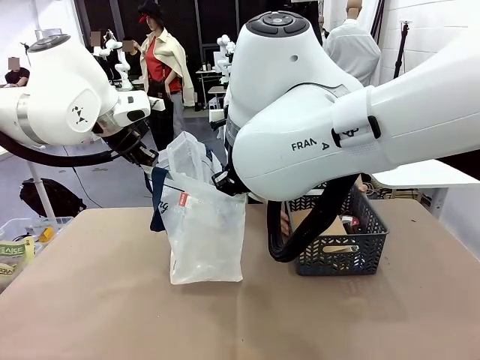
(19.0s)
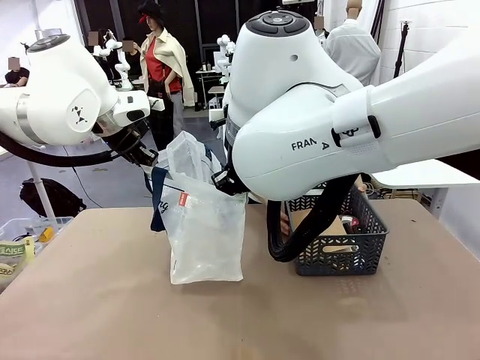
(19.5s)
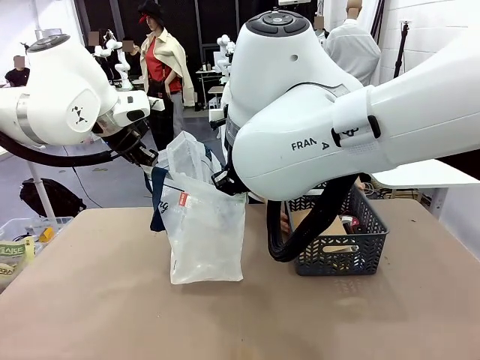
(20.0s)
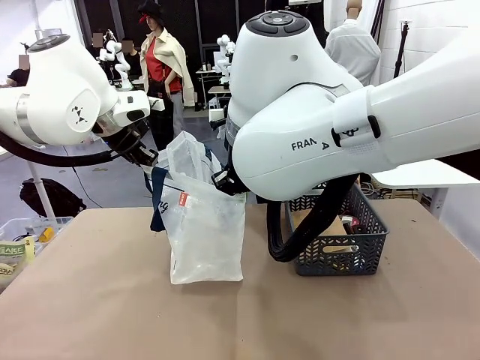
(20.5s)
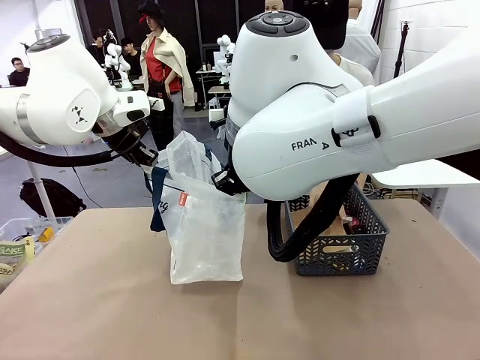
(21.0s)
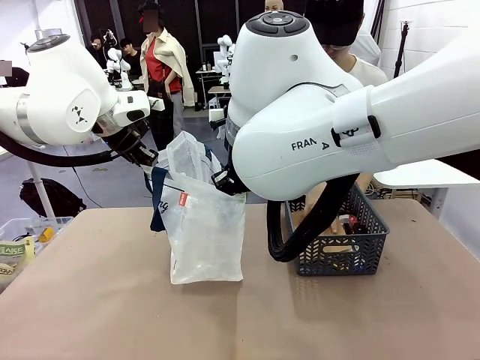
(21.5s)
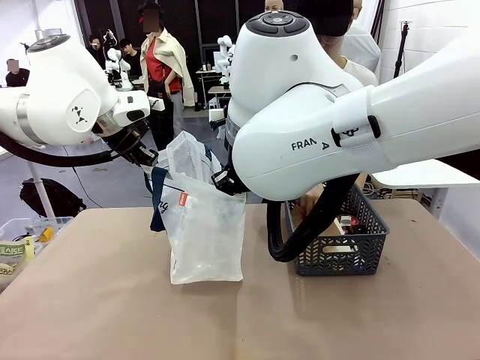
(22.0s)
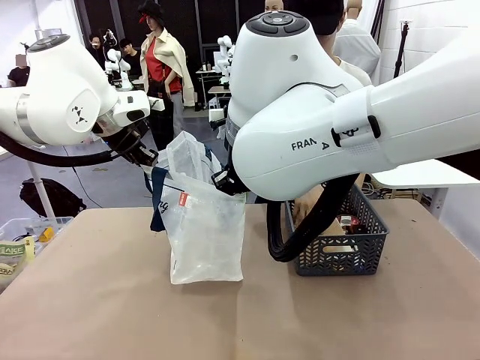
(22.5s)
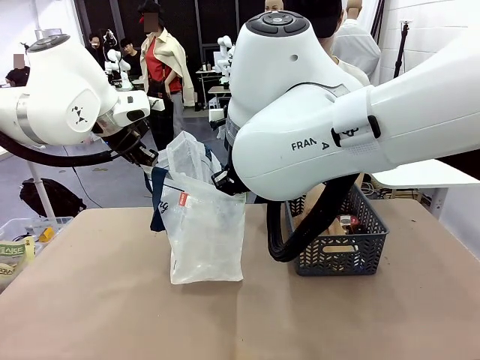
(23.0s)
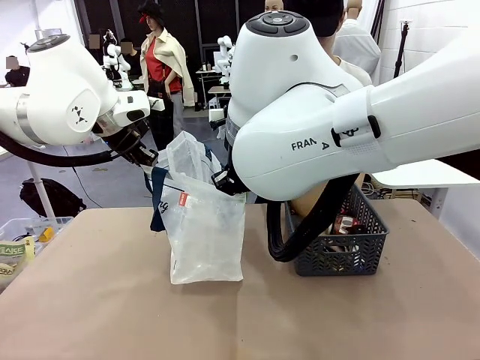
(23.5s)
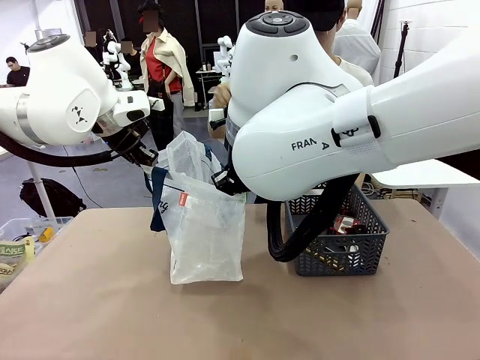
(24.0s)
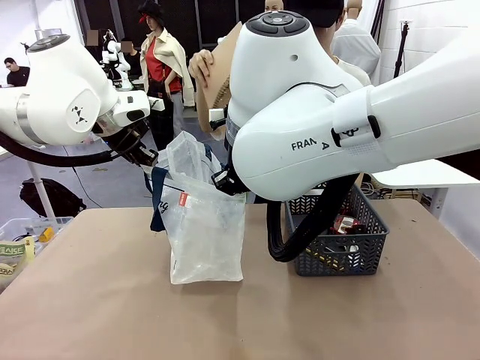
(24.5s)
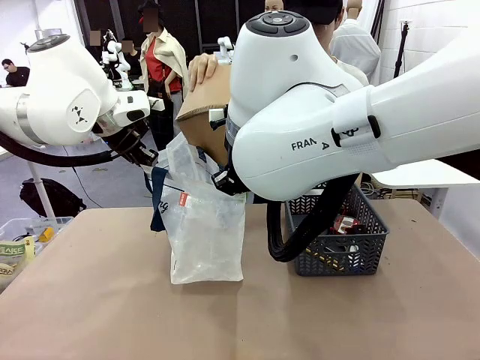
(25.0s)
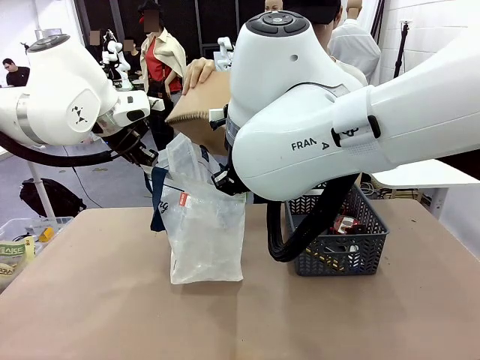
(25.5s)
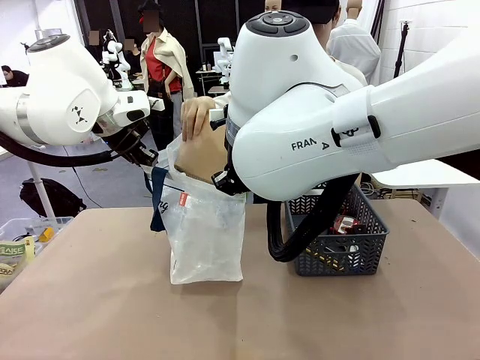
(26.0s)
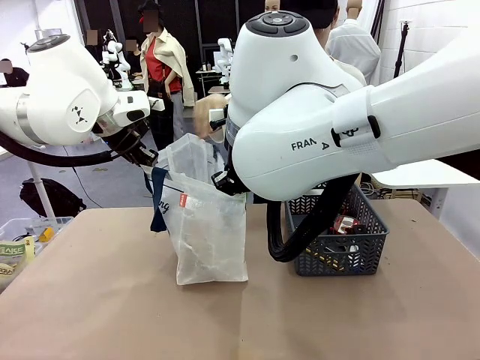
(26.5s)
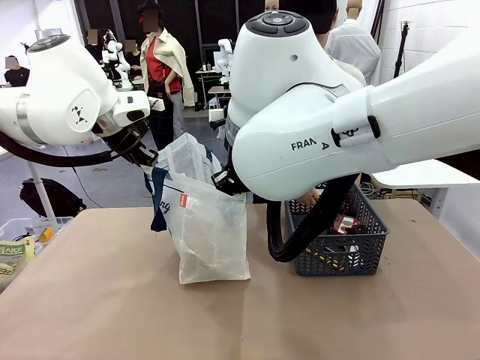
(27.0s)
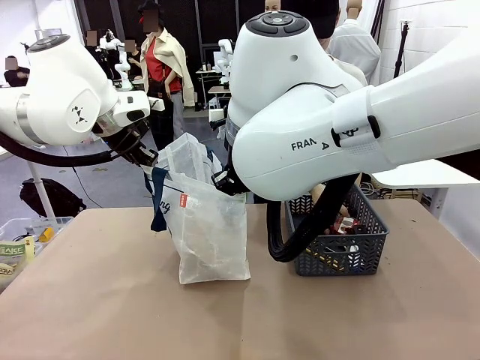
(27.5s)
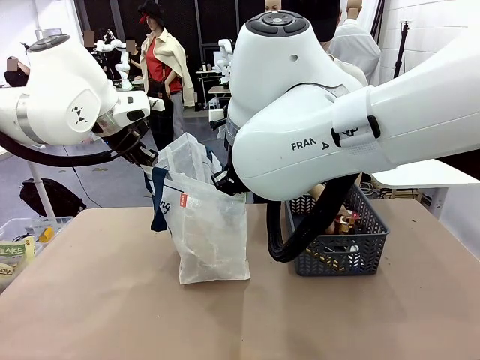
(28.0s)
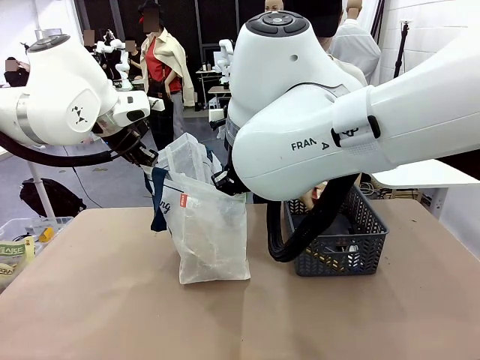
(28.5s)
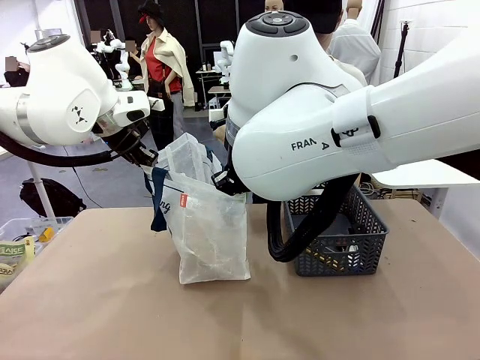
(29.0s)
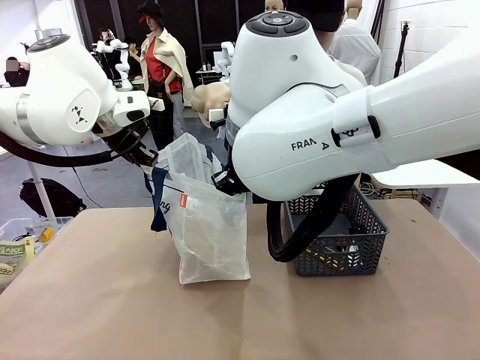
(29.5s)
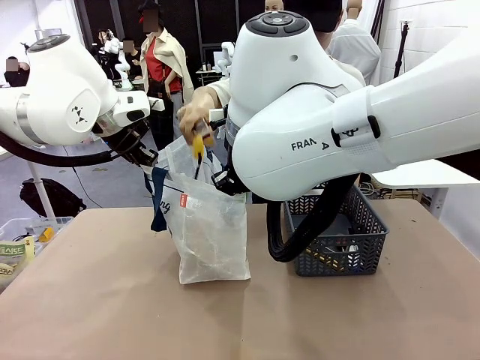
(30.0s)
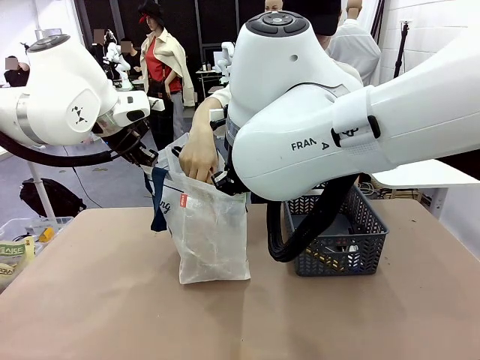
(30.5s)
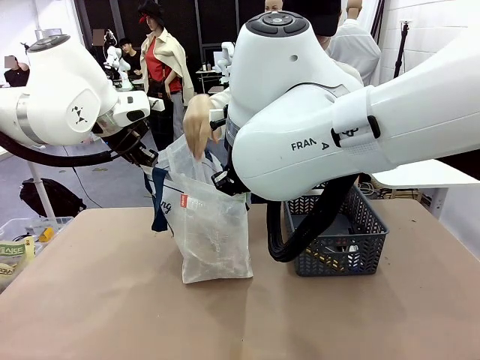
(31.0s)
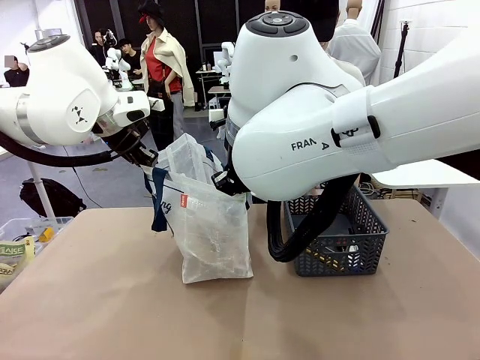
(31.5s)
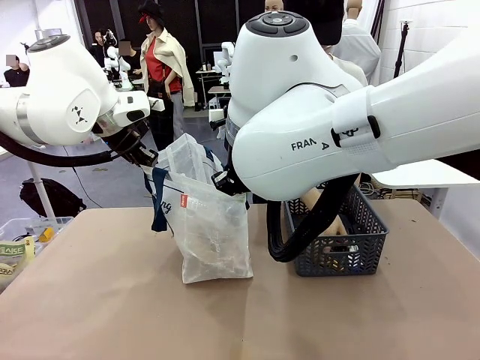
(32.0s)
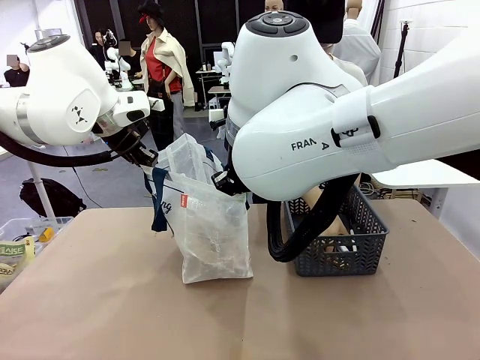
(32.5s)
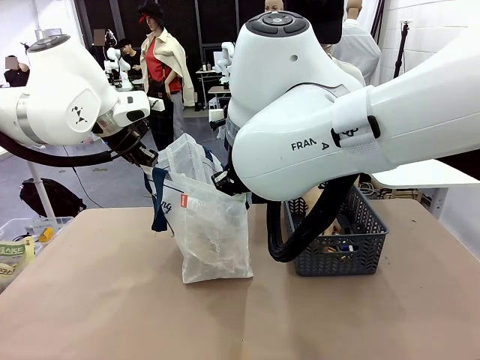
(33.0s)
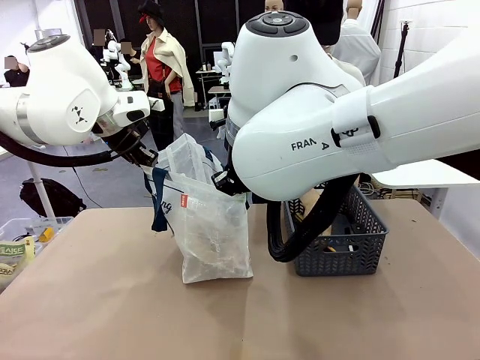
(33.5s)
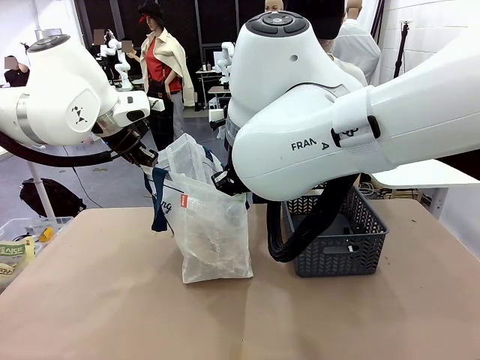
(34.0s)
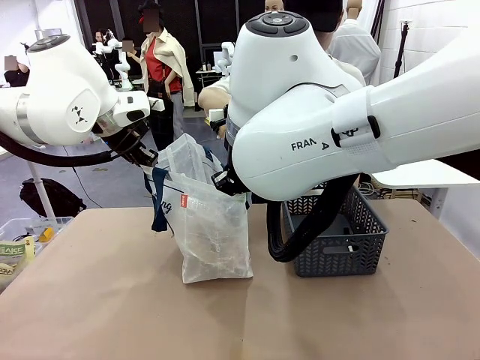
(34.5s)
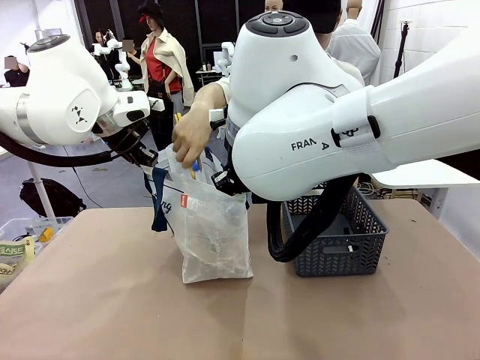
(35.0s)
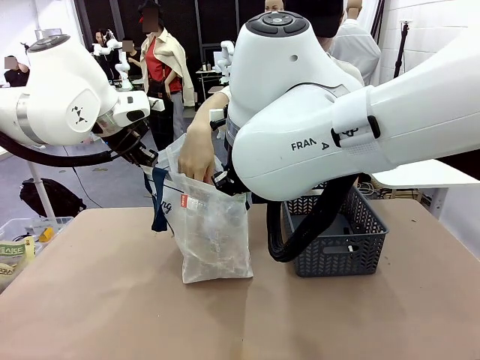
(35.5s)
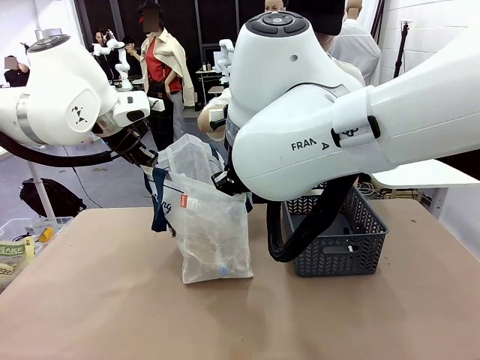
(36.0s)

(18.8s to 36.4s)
Task: Transfer purchased items from the store into the shopping bag.
Robot: Move the Reusable shopping bag to the right side of the table.
Person: Pick up the basket with the items out and place it on the right side of the human table.

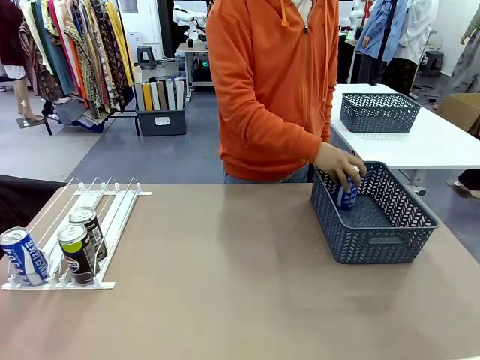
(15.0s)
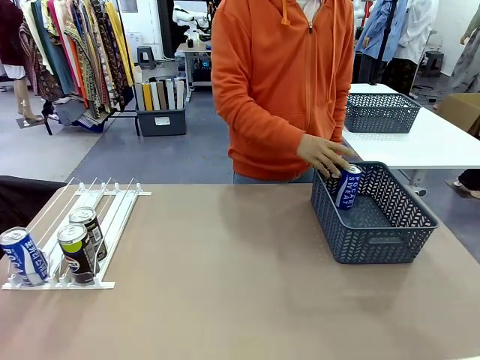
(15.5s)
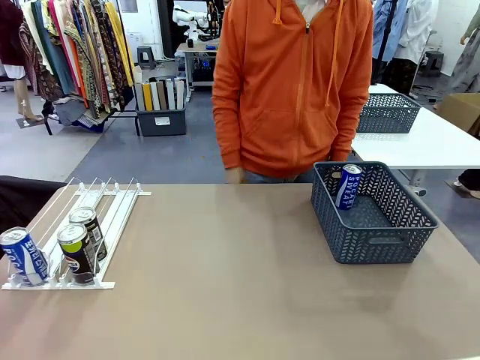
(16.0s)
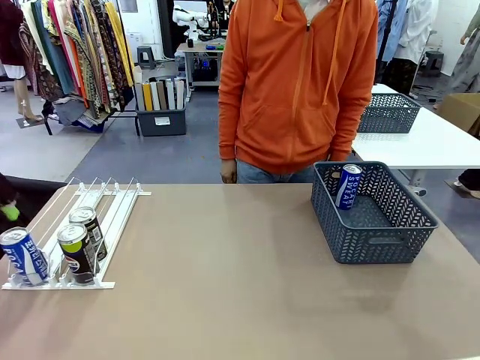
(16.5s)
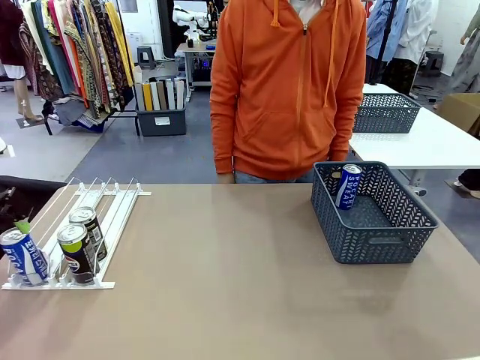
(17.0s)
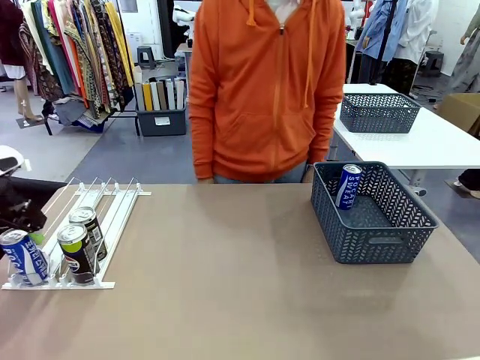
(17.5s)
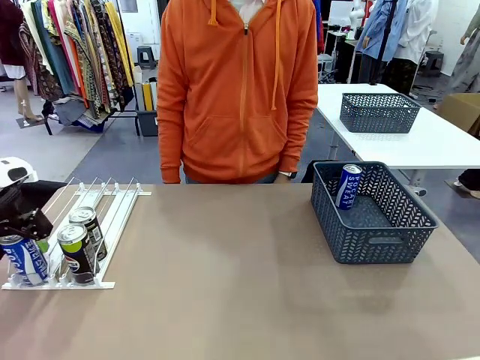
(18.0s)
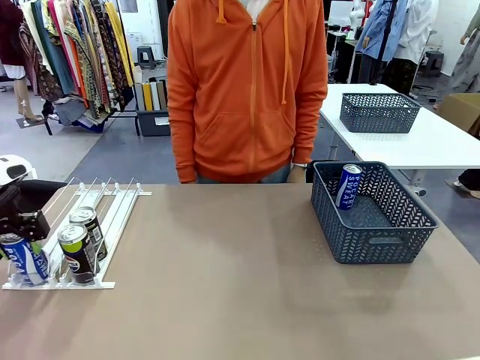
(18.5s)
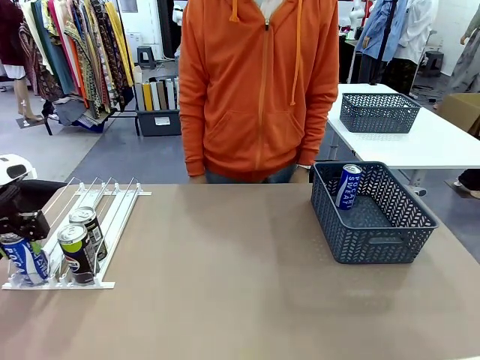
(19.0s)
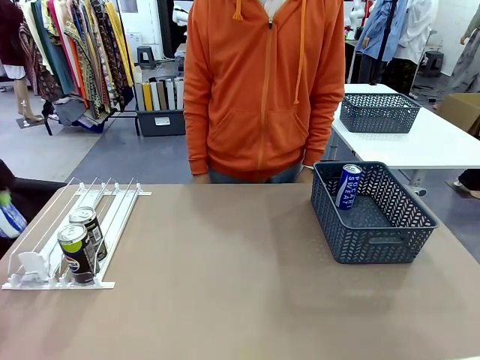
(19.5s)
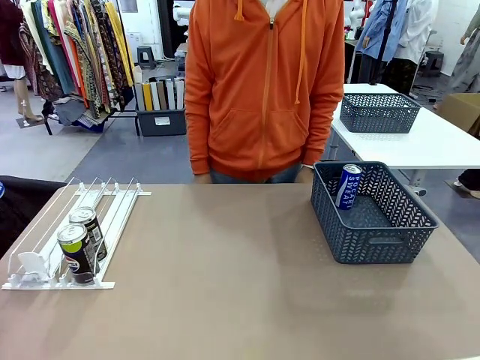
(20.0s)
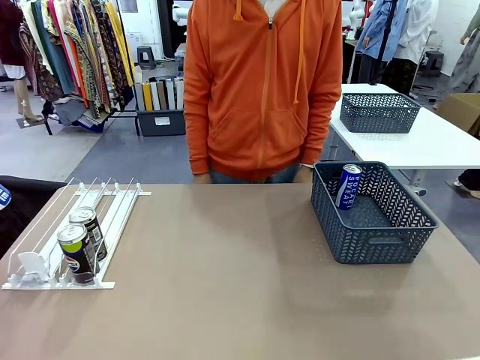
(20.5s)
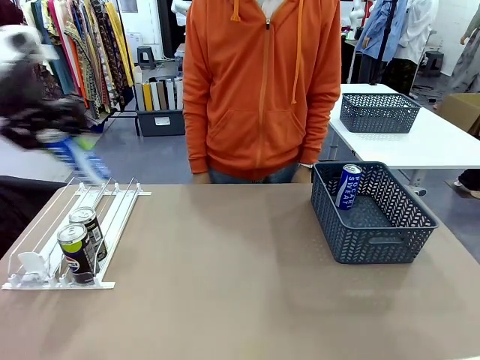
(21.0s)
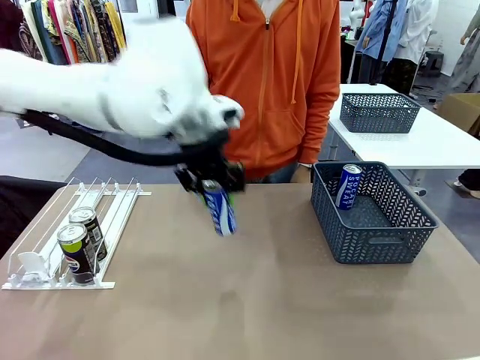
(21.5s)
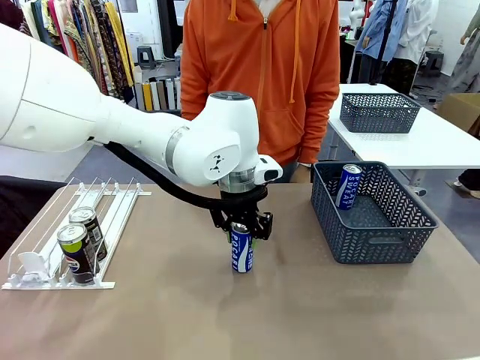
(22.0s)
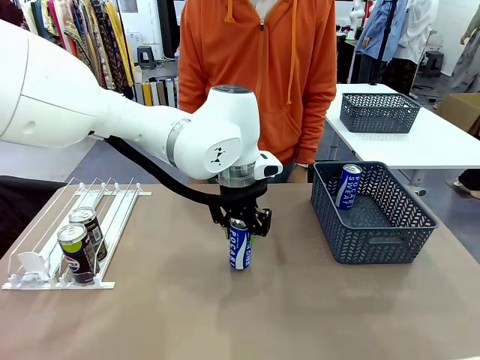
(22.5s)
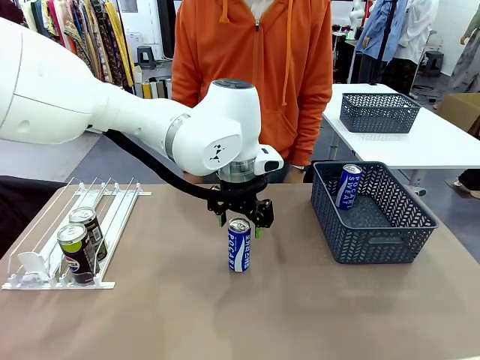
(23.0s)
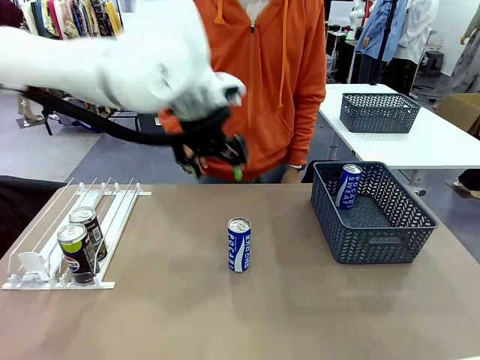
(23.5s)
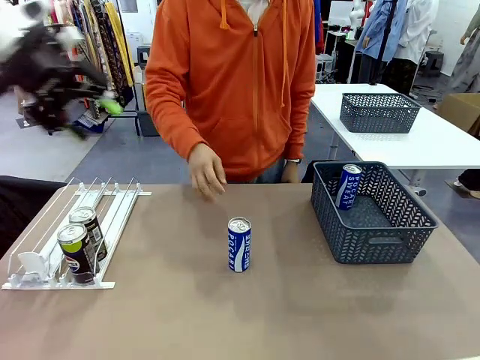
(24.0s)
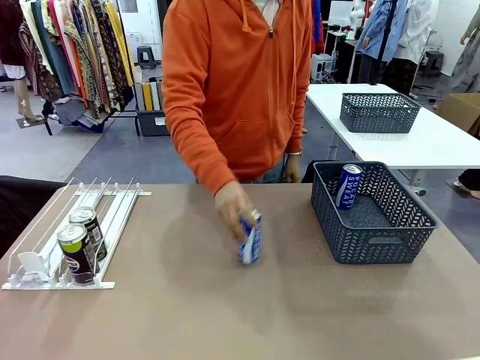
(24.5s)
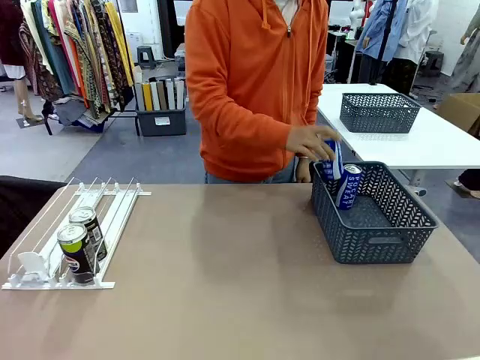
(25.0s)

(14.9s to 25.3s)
Task: Retrieve and store the cans from the dispenser.
Robot: Pick up the last remaining can from one row of the Automatic Can Dispenser and place it in the middle of the table.
Person: Pick up one Pepsi can from the middle of the robot table and place it in the basket.
